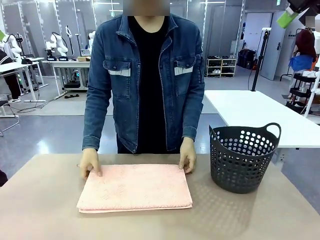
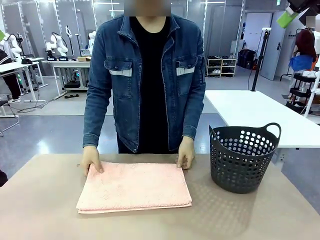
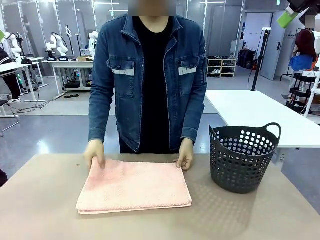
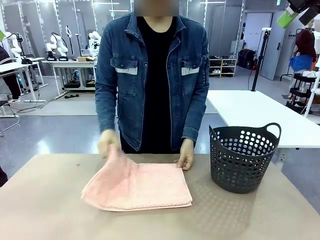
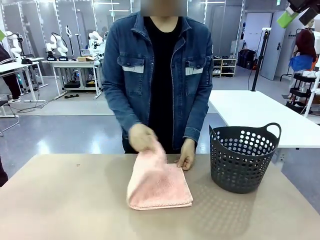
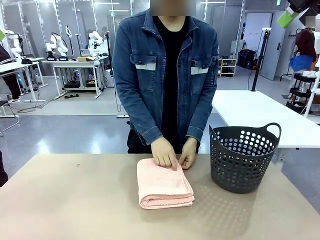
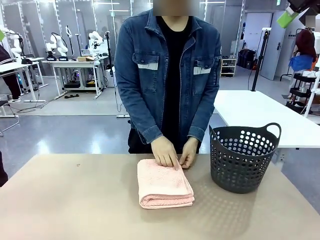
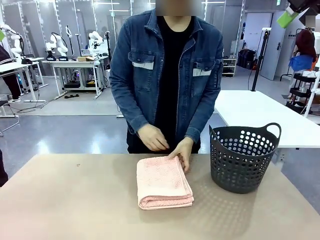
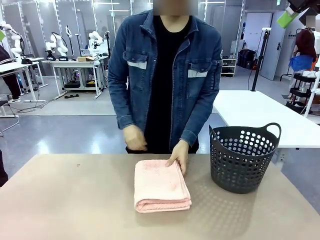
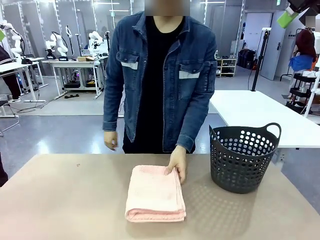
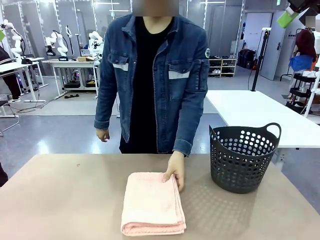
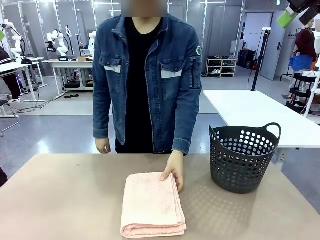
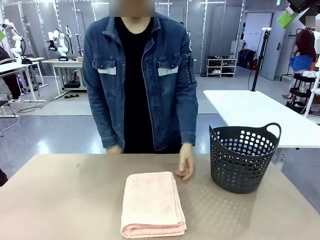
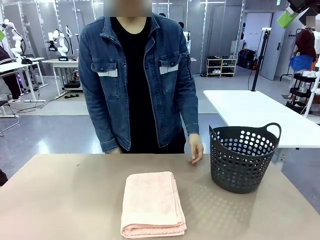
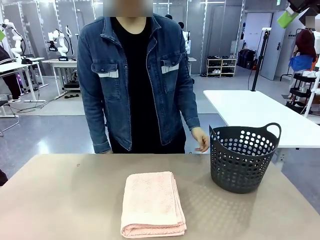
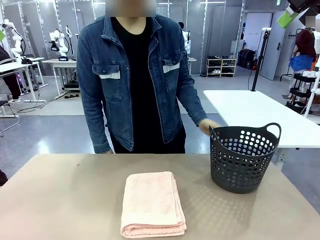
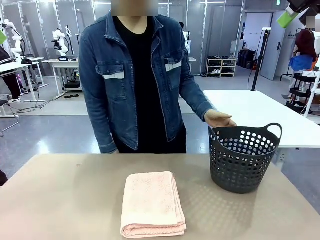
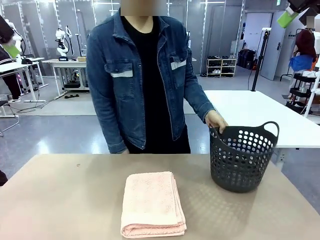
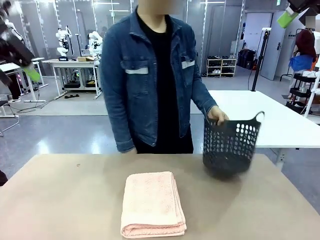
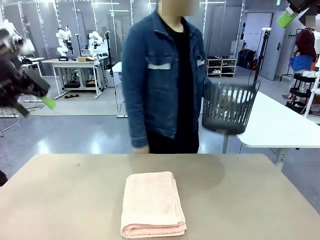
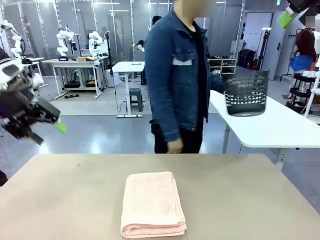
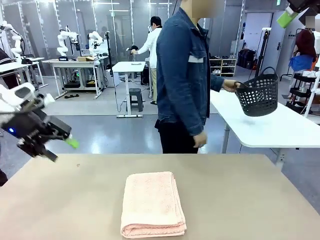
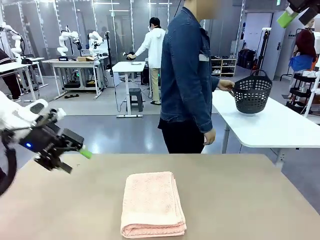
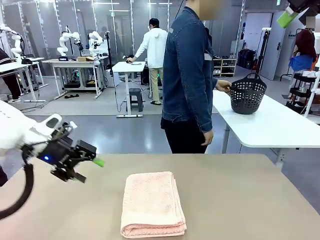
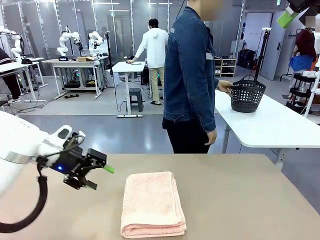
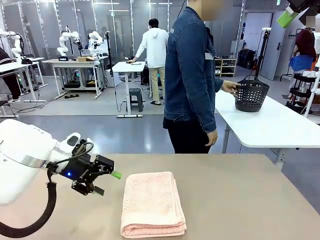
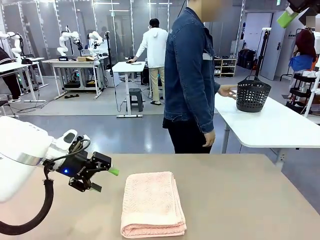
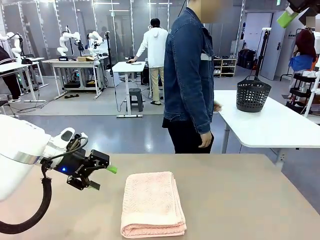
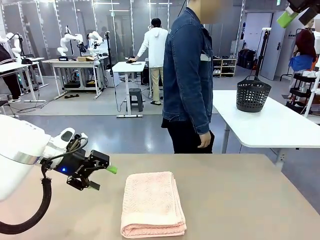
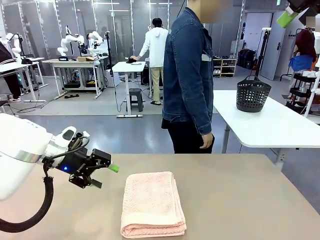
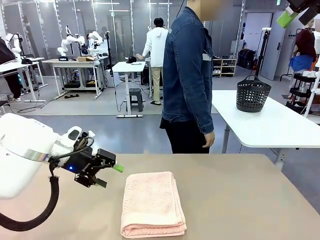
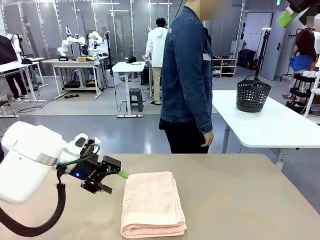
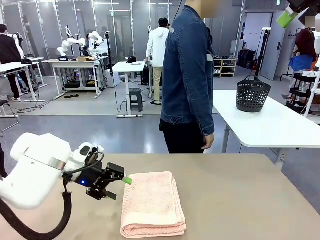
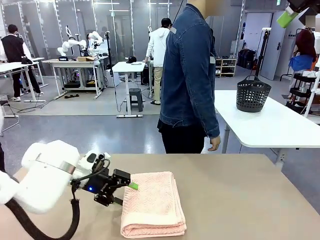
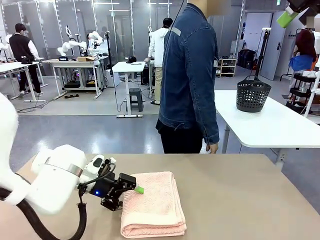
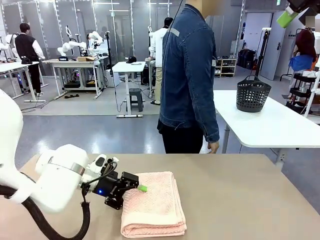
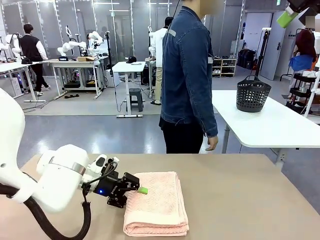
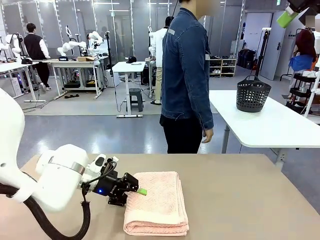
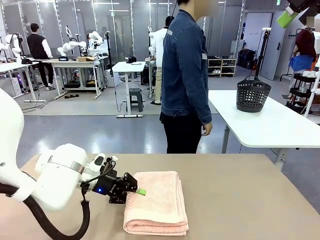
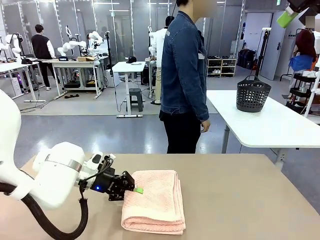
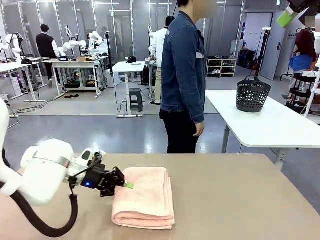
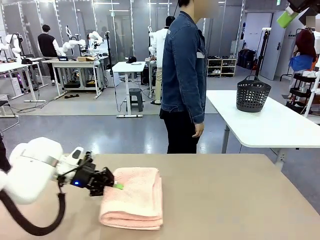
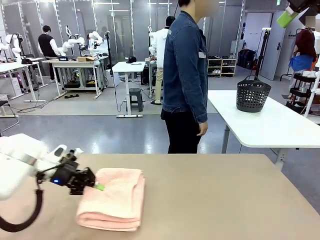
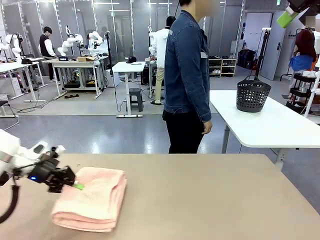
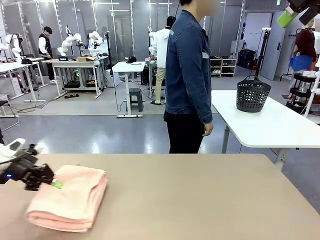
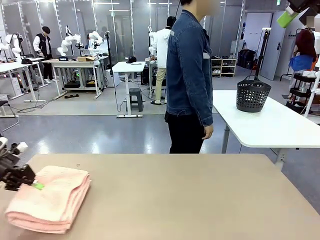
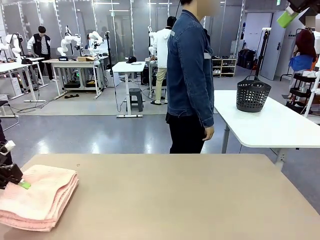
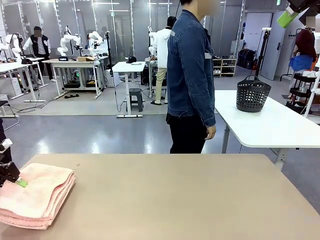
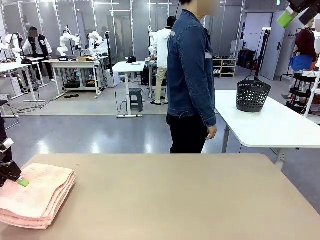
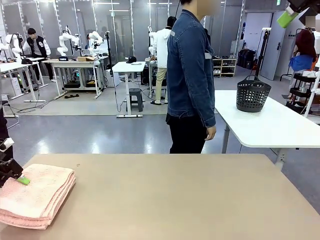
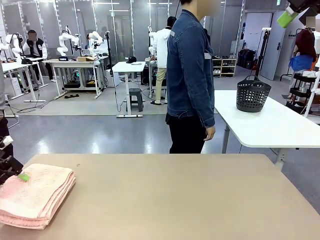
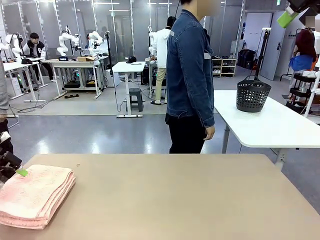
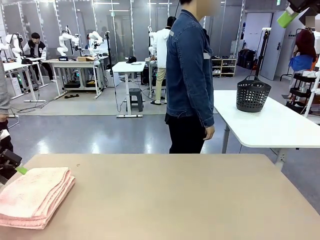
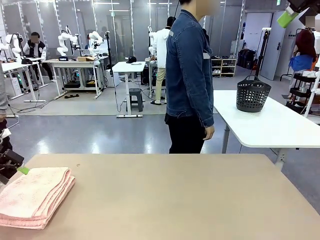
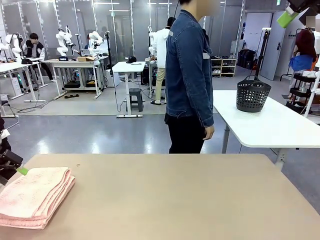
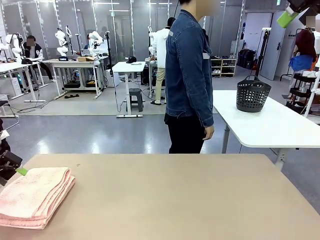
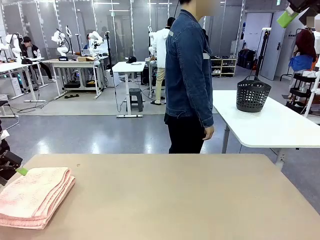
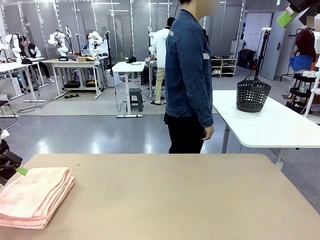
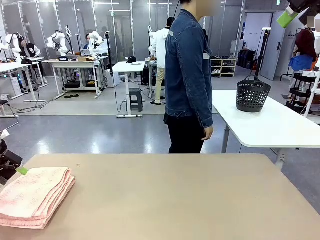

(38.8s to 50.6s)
Task: Fold the towel.
Robot: Pick up the 100 cm Hotel Towel and place it on the left side of the table.
Person: Pick up the laundry basket and place it at the center of the human table.

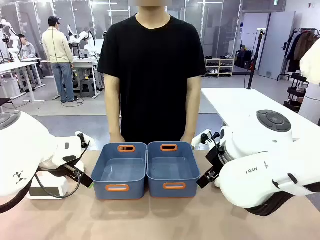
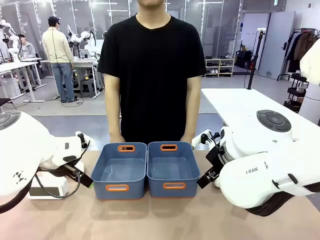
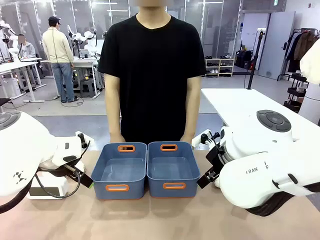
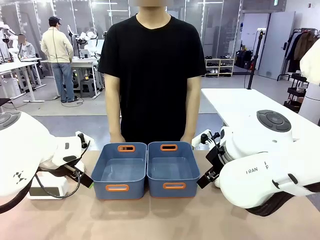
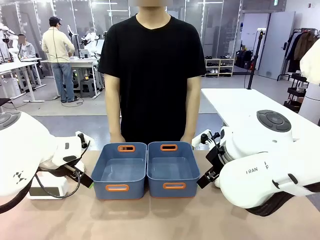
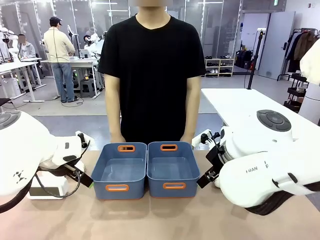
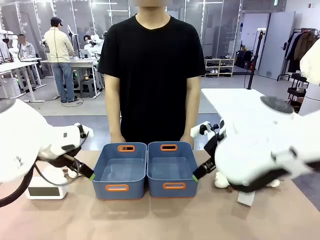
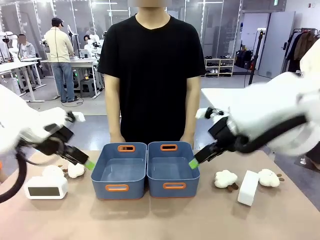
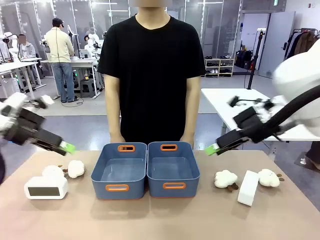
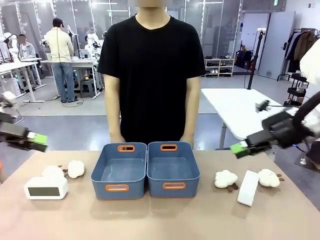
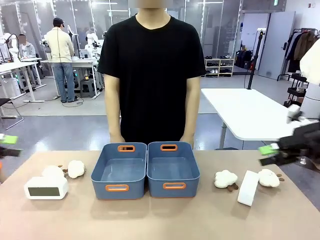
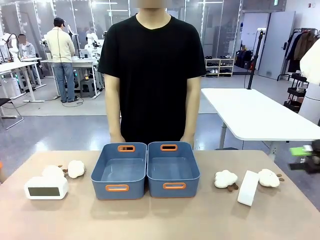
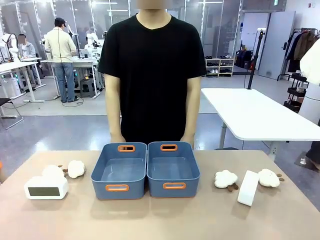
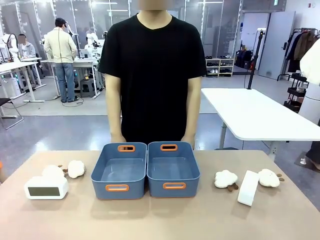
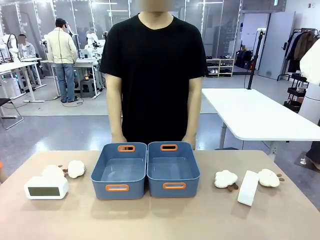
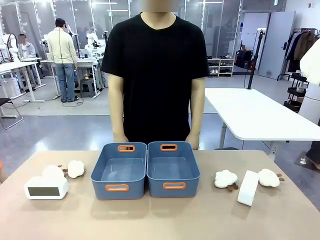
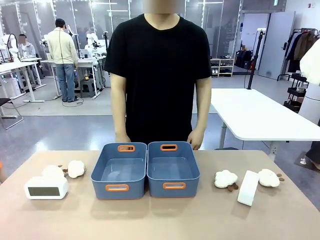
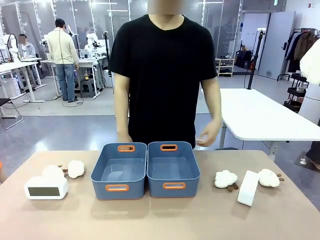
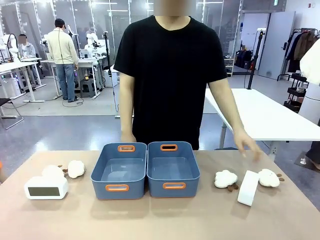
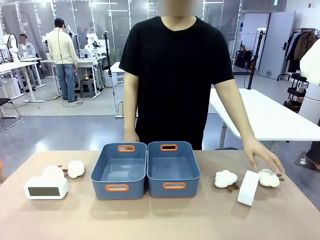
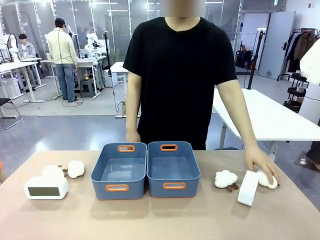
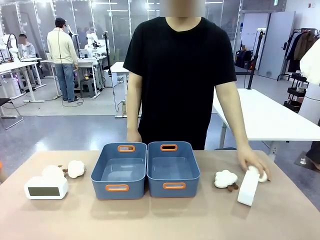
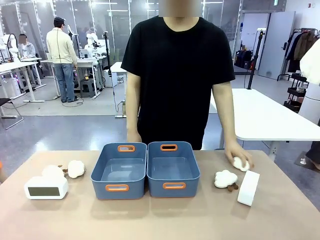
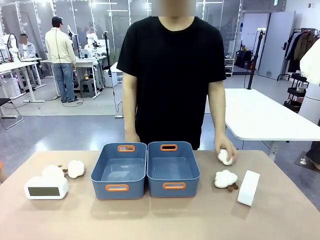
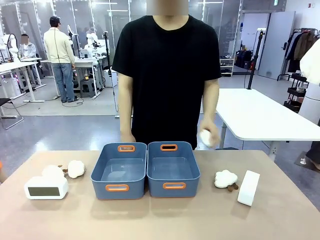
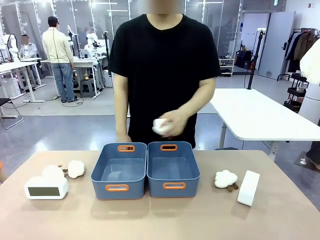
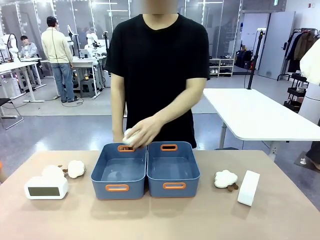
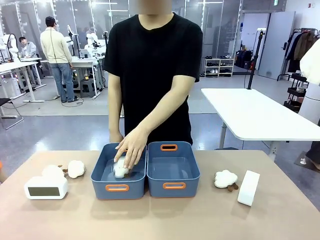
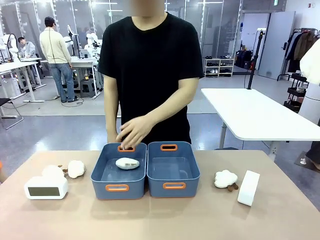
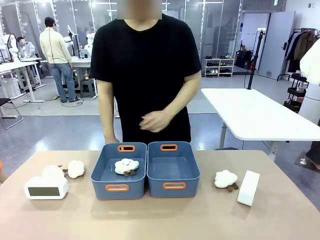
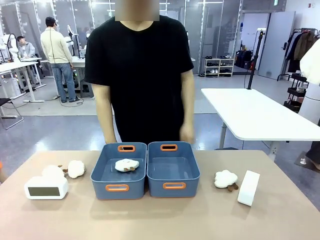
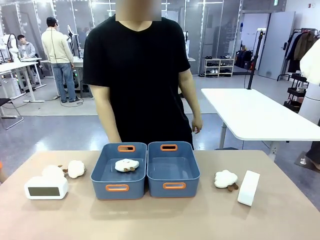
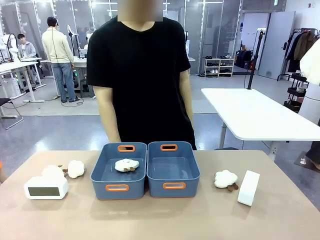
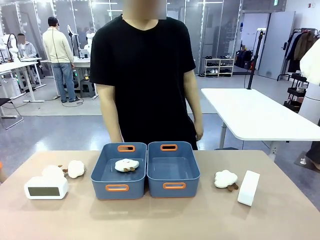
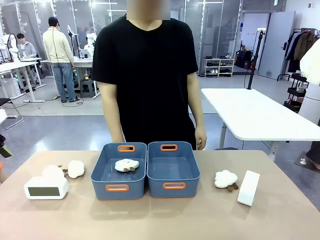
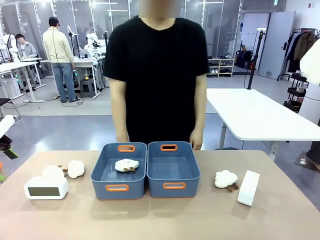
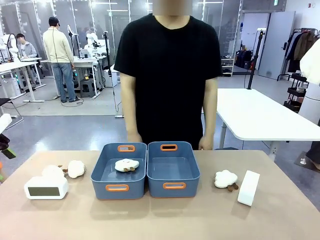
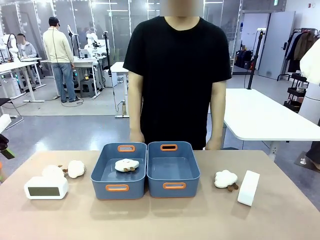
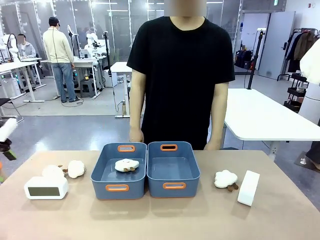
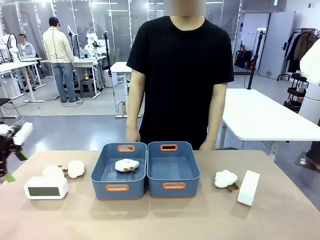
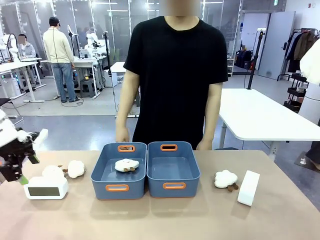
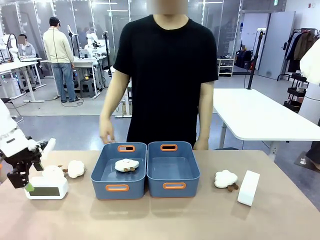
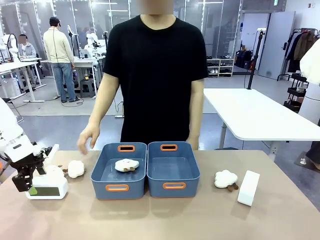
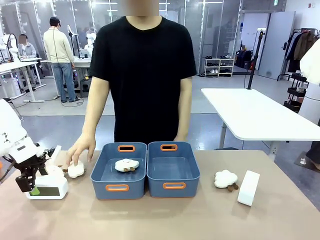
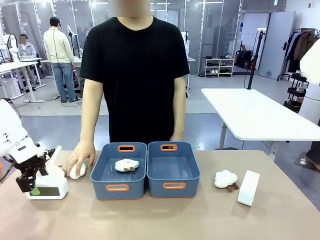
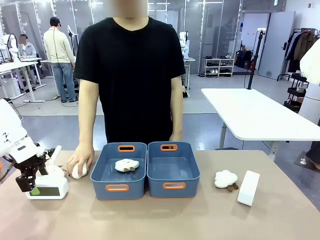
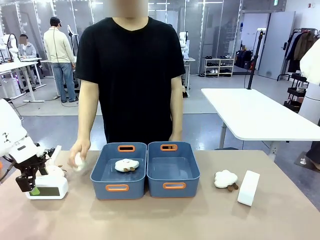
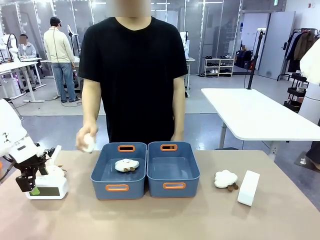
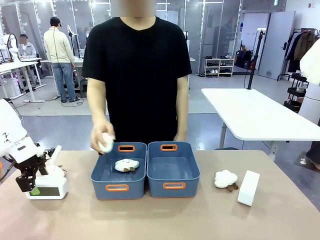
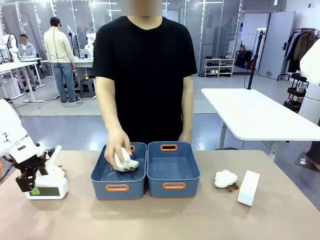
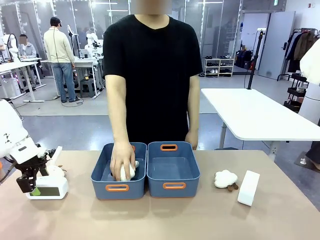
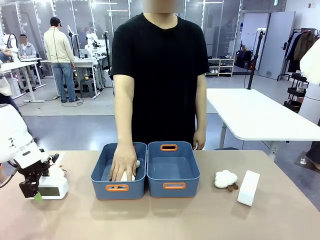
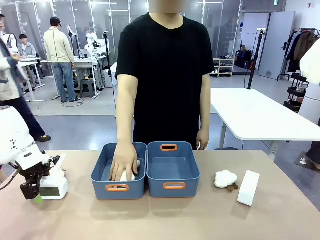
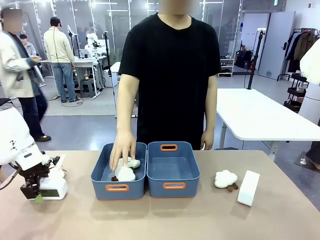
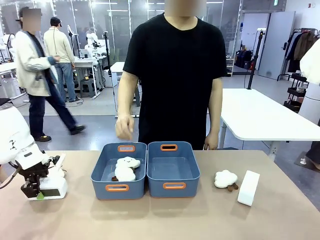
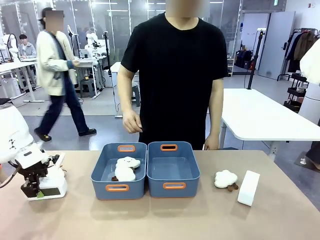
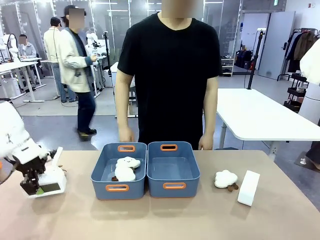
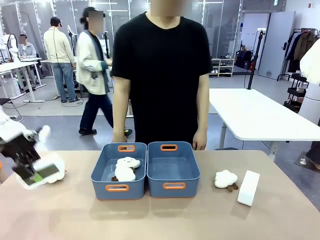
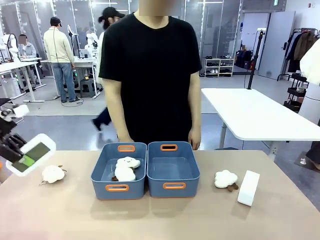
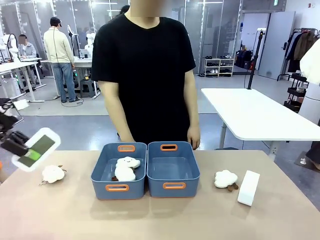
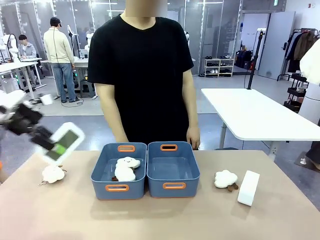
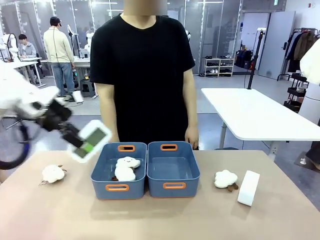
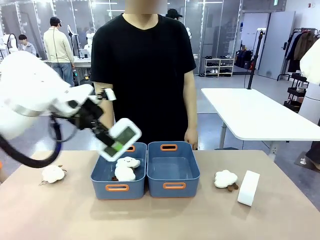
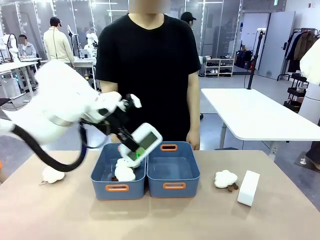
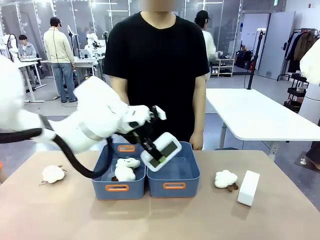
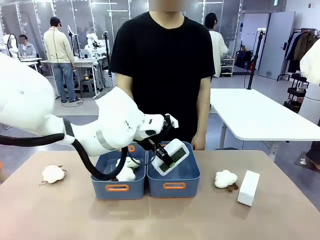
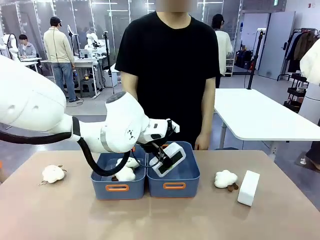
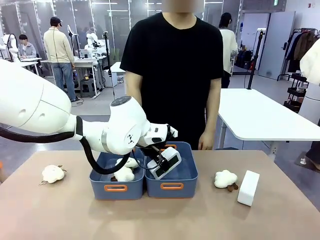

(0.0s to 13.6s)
Task: Sort the digital clocks into the basket.
Robot: Pick up the Digital clock from the table and place it into the empty Plastic storage basket.
Person: Pick up a plush toy from the table and place it in a plastic storage basket.
